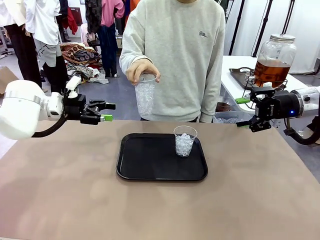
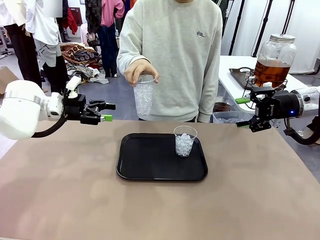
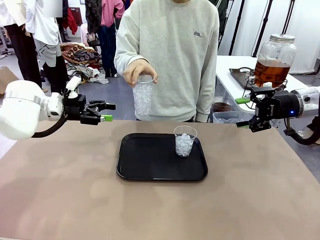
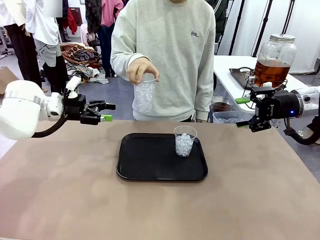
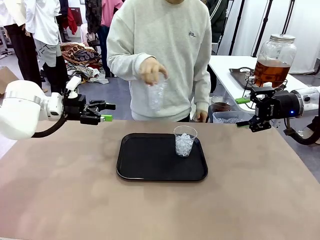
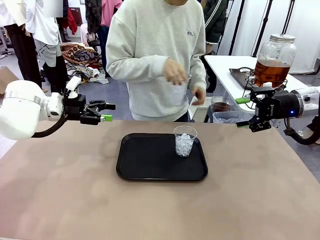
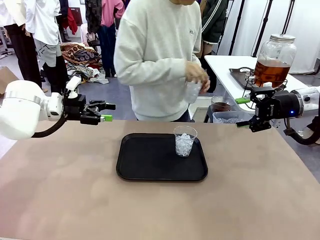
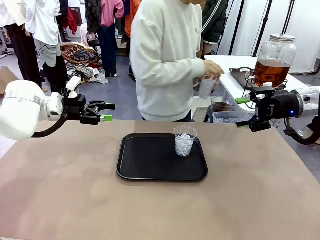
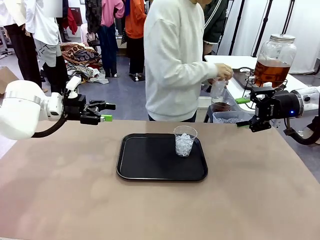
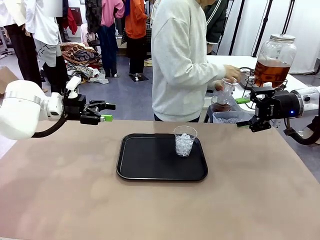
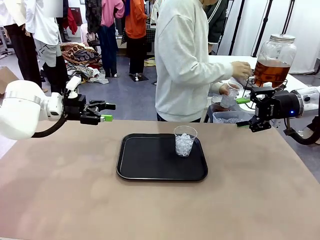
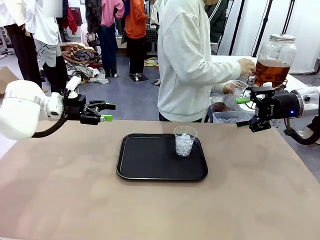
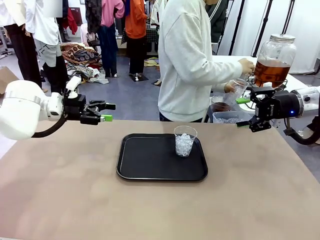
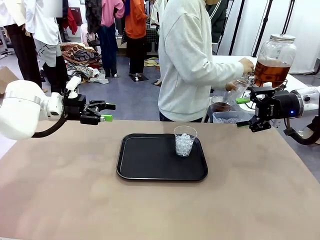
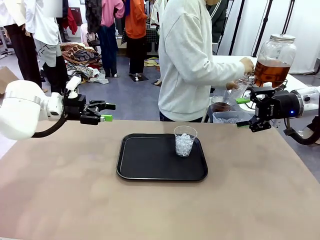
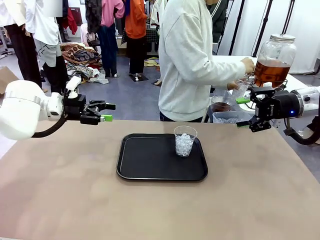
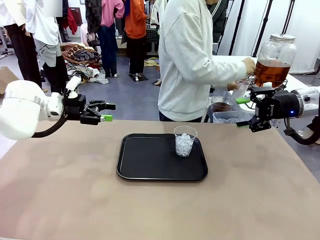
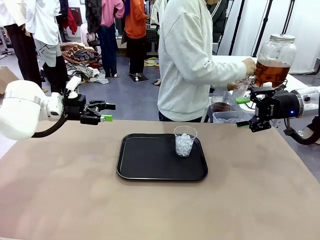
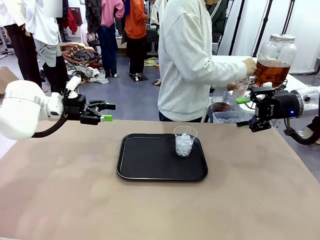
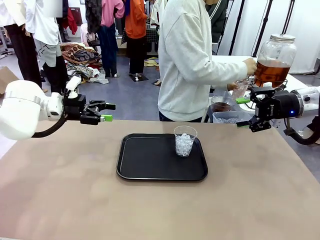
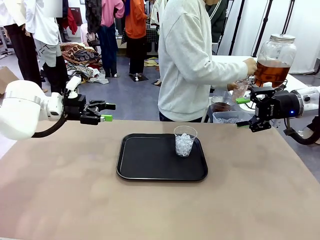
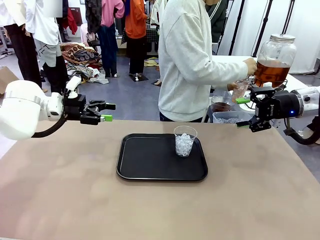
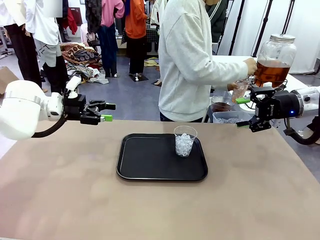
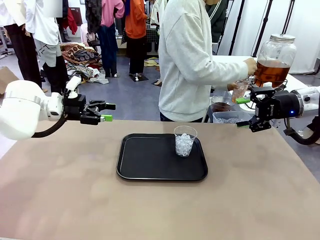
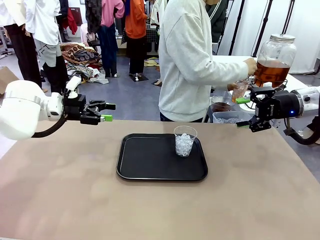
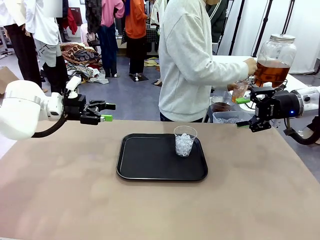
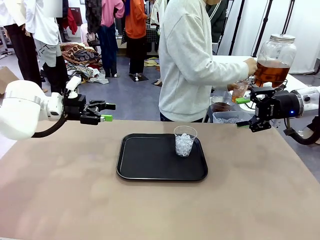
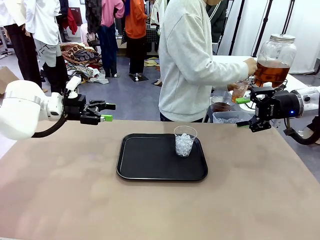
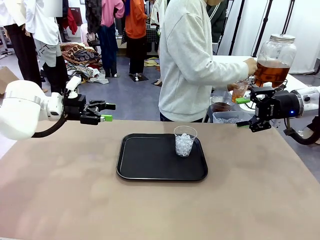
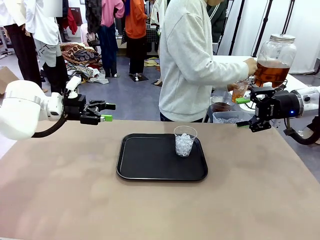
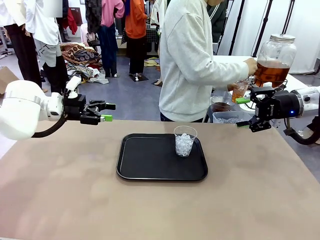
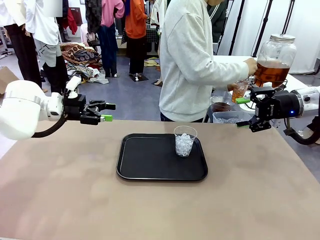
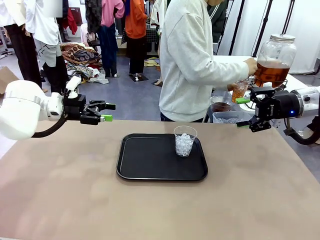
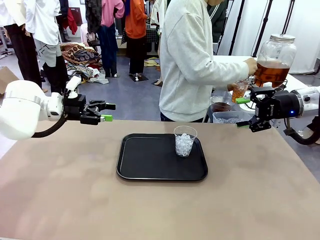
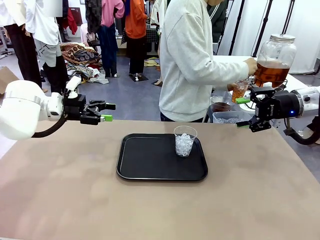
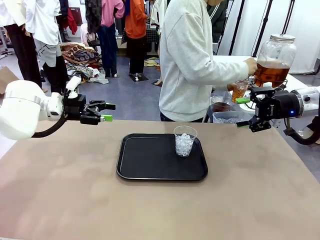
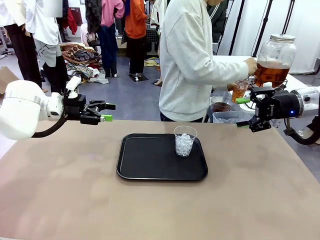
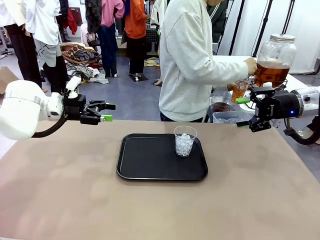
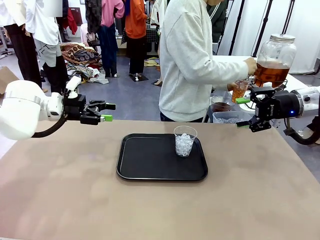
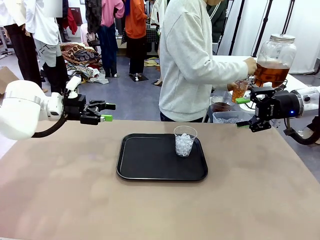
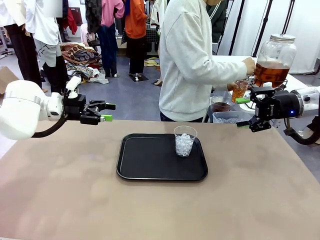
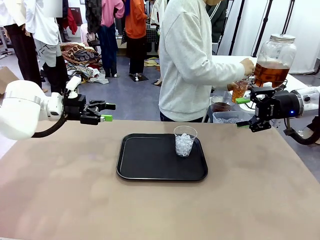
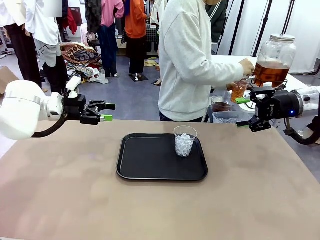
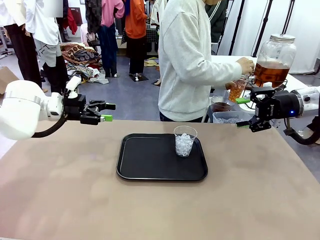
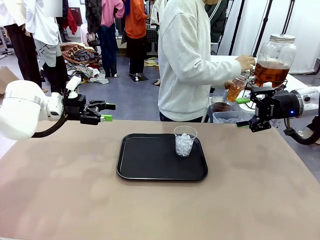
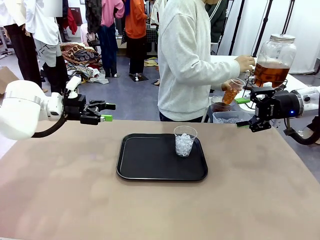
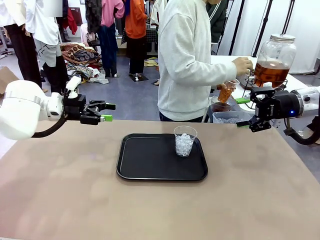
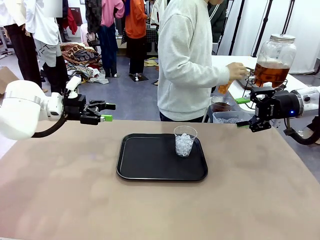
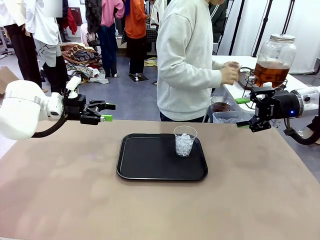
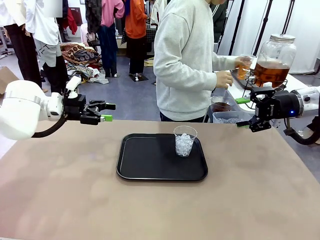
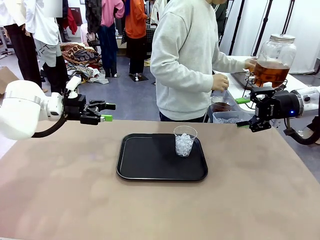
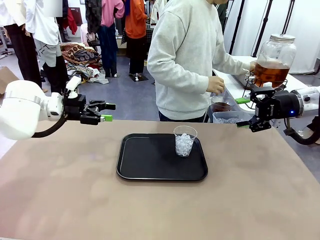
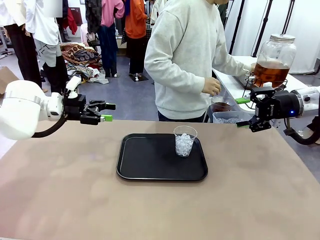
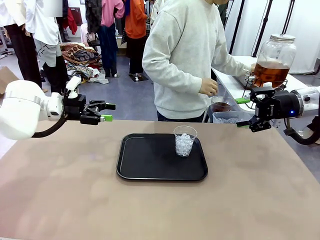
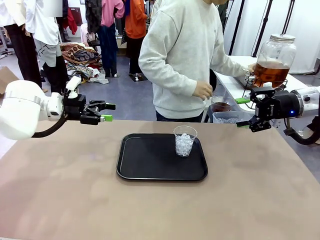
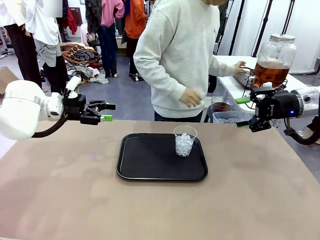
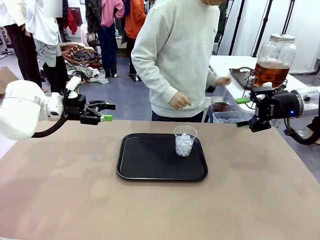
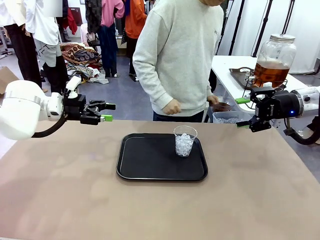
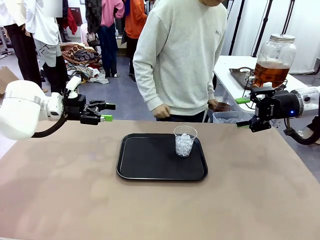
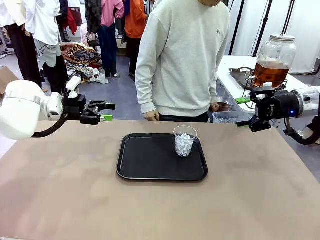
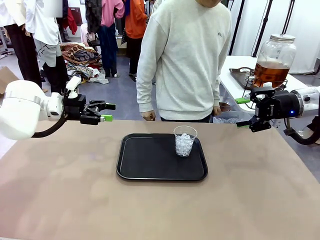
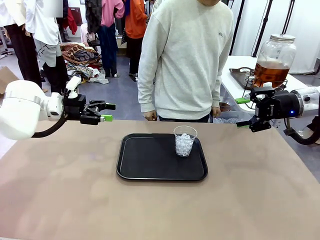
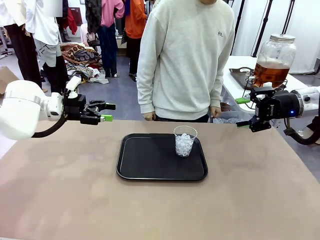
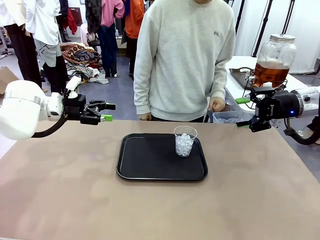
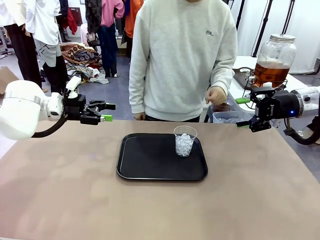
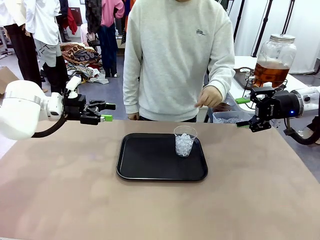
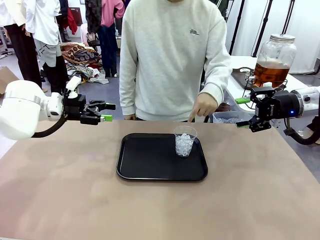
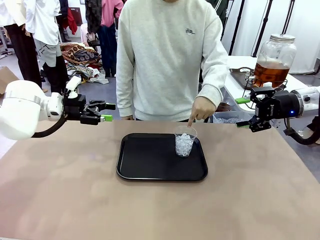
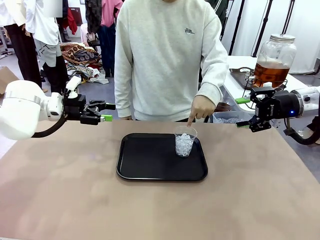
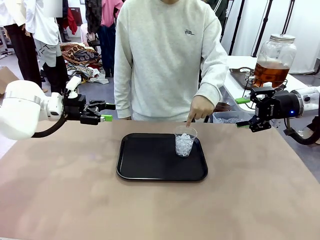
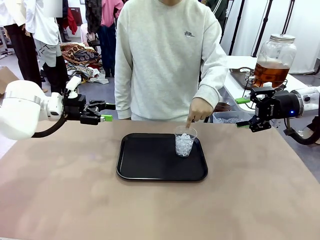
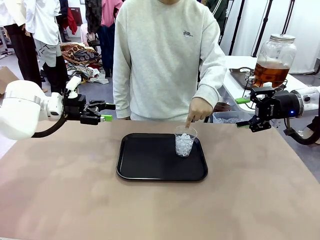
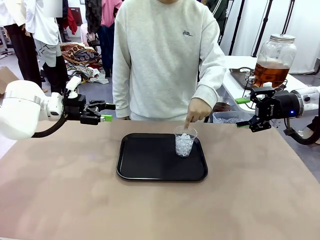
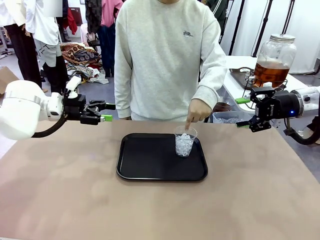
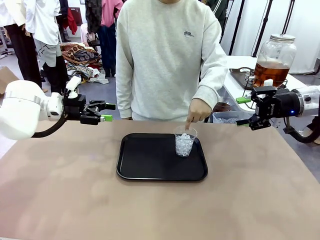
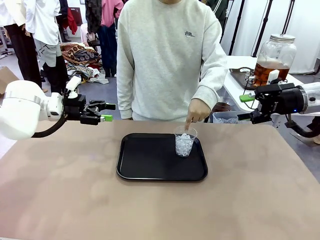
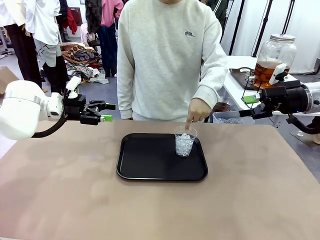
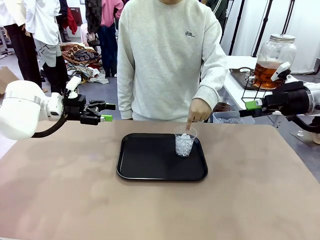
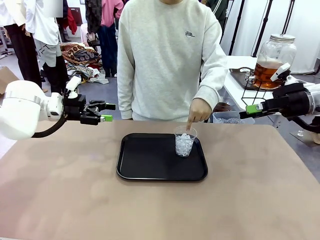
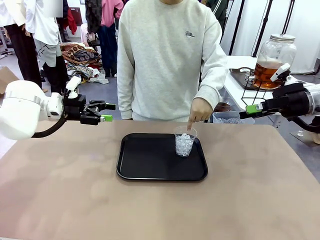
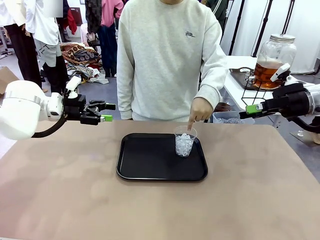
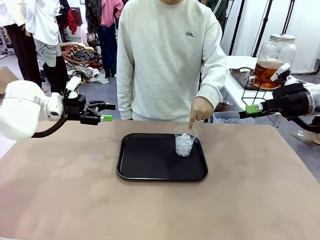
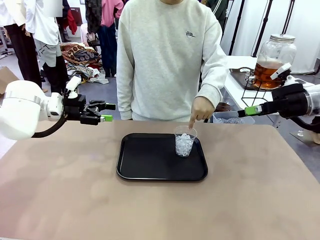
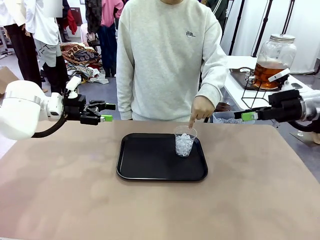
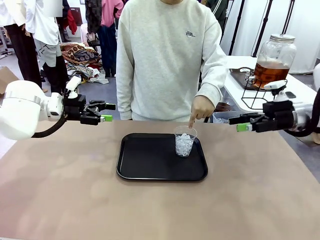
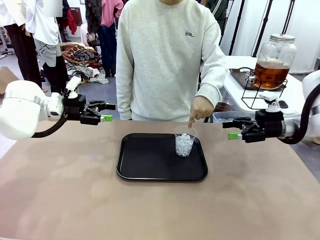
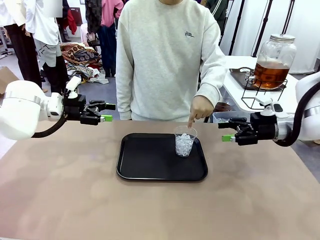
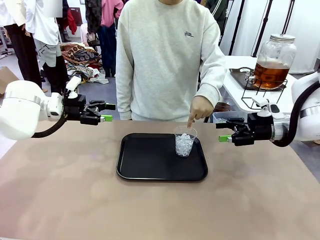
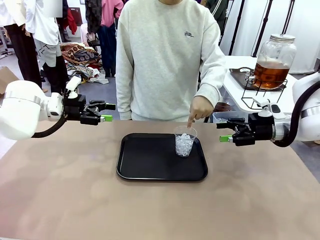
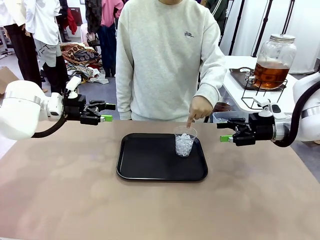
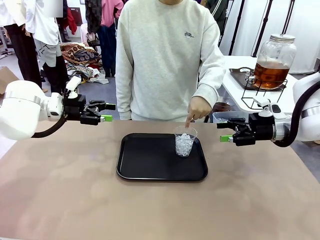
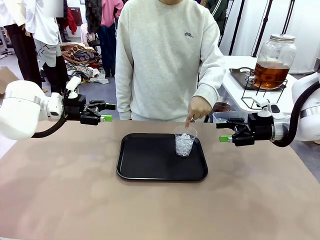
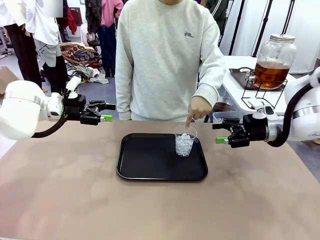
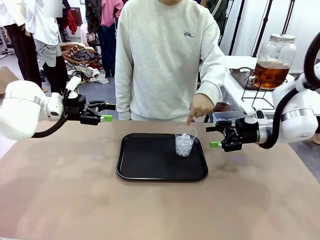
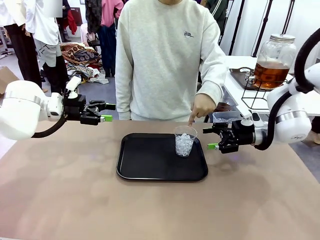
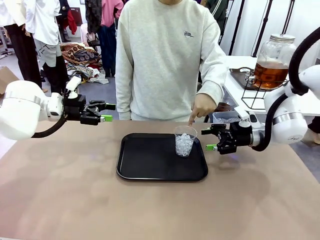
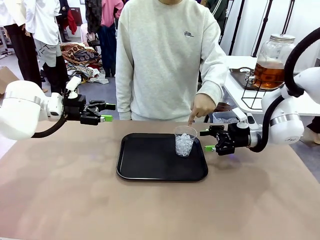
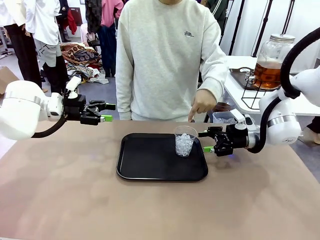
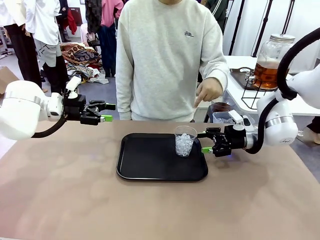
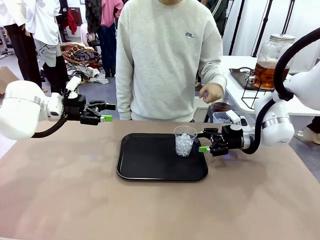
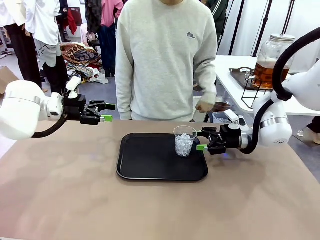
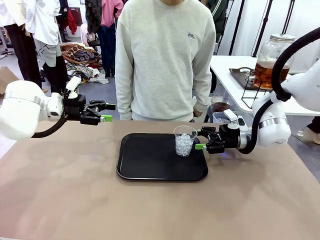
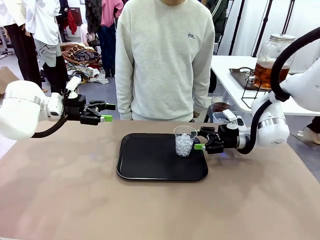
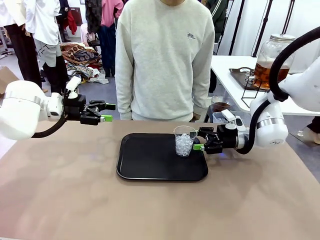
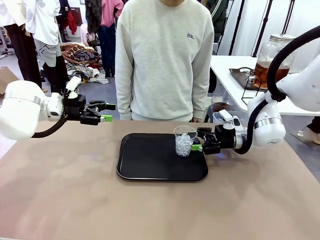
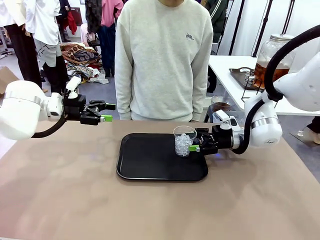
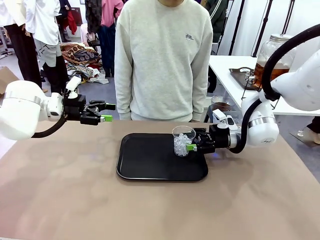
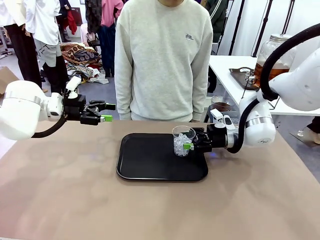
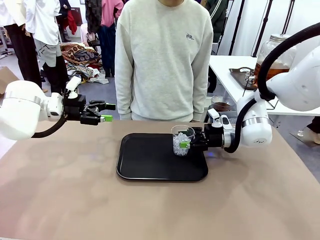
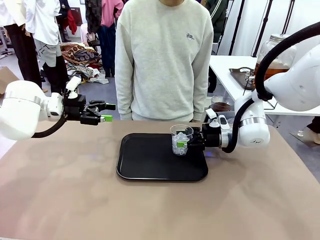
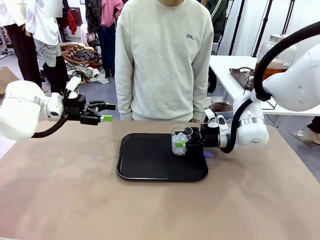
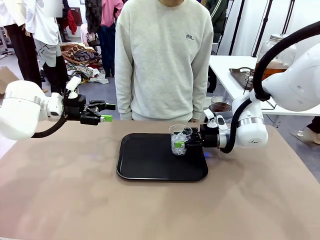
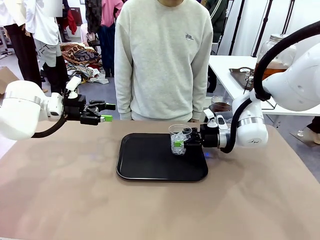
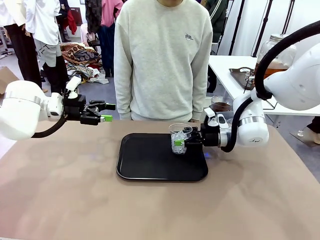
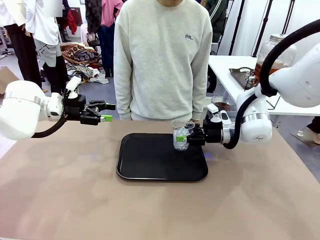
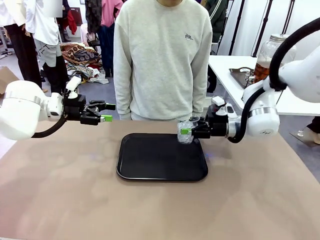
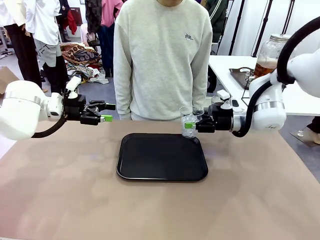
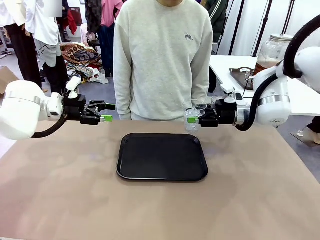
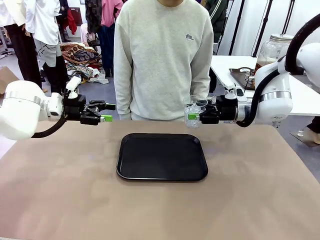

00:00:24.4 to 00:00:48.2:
Task: Pour the drink into the iced cup.
Robot: Pick up the iced cup indicated by the human and present it to them.
Person: Move the picked-up cup under the dispenser faucet, pour the drink, and place it on the tray on the human table. Point to the remaining ice cup on the robot table. Pick up the cup offered by the robot.
